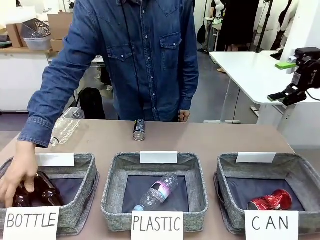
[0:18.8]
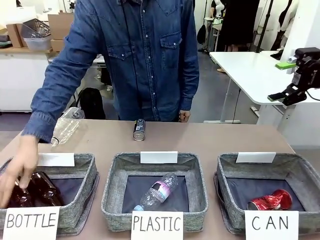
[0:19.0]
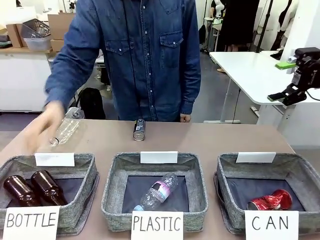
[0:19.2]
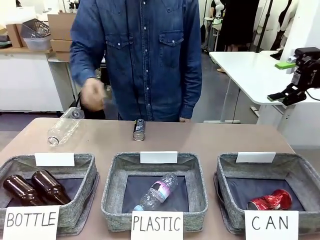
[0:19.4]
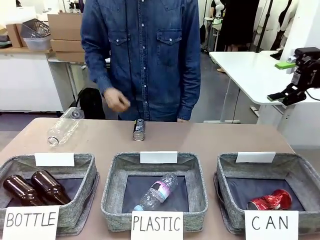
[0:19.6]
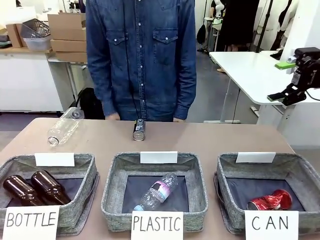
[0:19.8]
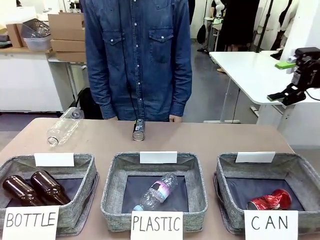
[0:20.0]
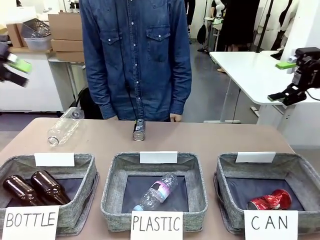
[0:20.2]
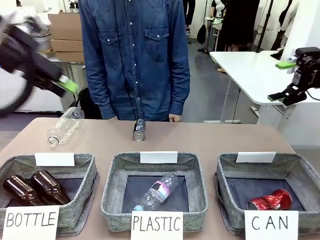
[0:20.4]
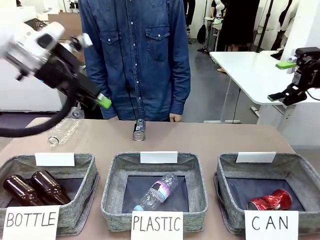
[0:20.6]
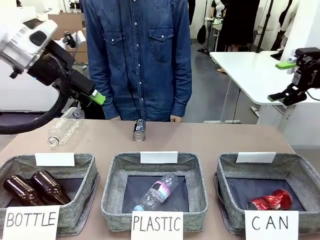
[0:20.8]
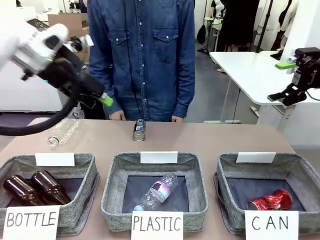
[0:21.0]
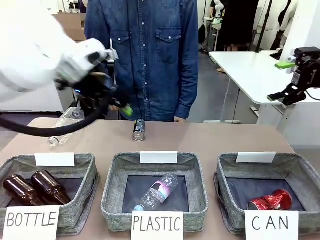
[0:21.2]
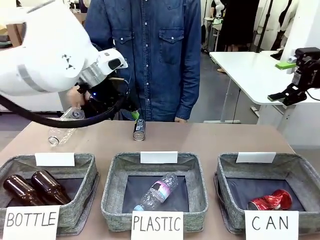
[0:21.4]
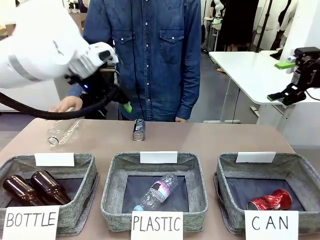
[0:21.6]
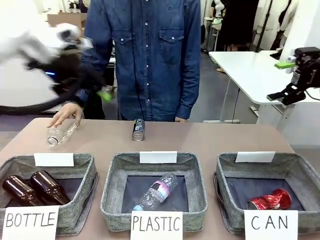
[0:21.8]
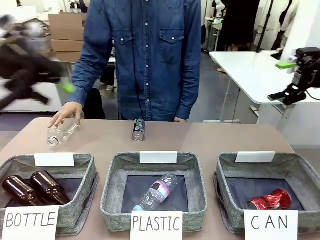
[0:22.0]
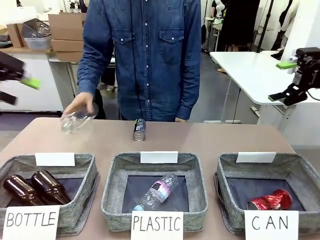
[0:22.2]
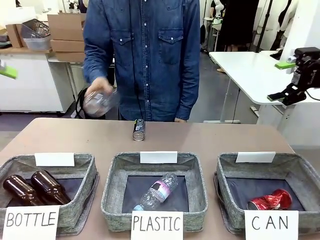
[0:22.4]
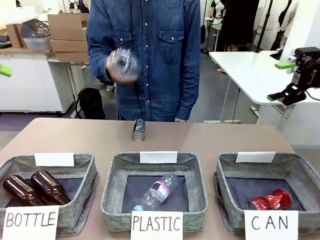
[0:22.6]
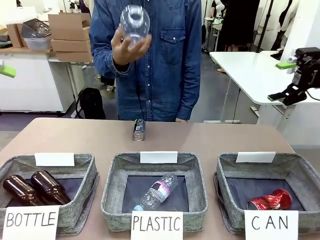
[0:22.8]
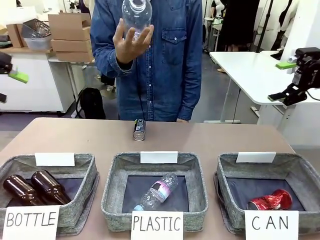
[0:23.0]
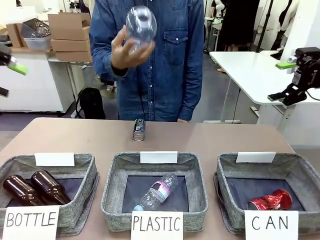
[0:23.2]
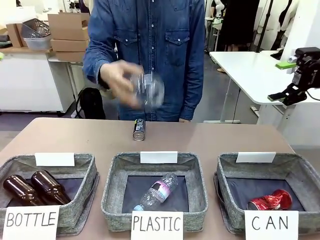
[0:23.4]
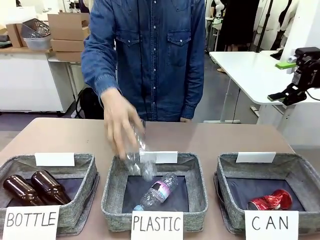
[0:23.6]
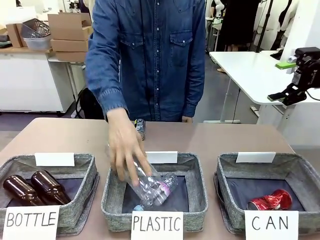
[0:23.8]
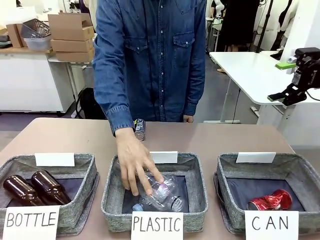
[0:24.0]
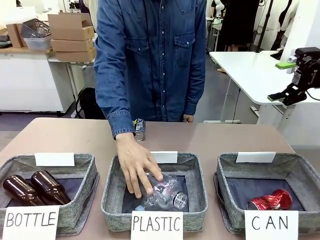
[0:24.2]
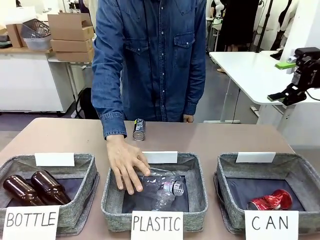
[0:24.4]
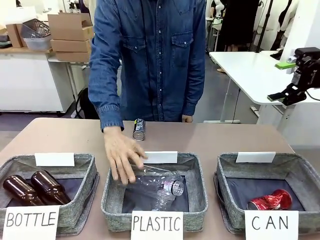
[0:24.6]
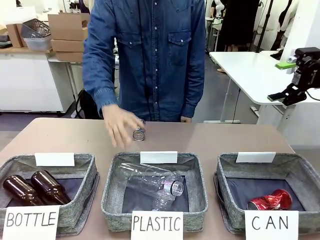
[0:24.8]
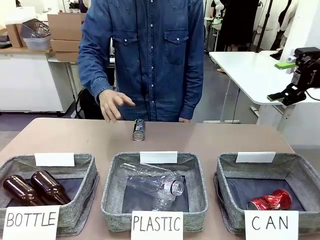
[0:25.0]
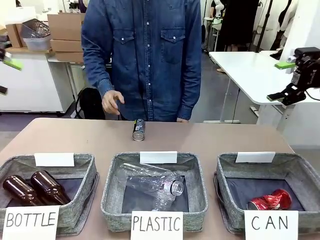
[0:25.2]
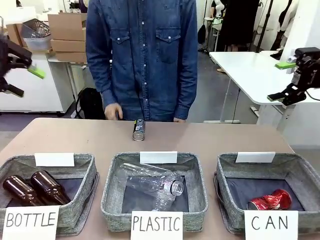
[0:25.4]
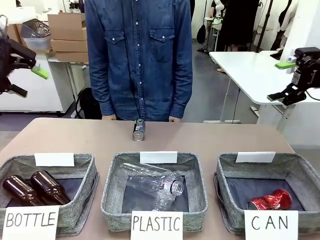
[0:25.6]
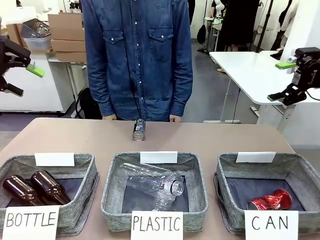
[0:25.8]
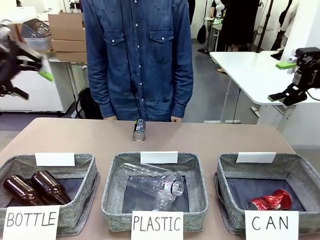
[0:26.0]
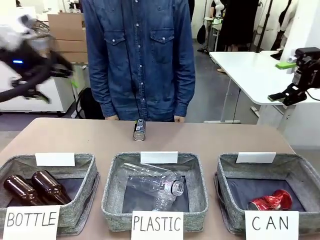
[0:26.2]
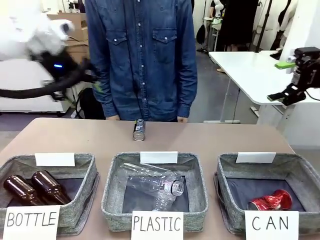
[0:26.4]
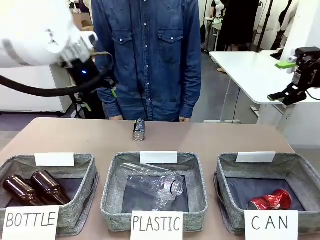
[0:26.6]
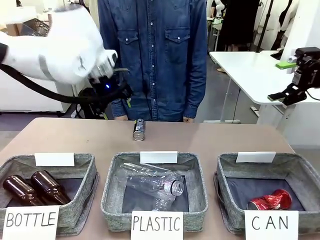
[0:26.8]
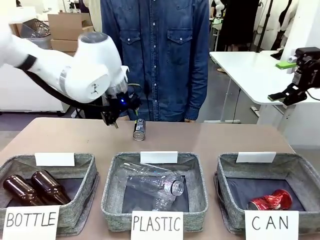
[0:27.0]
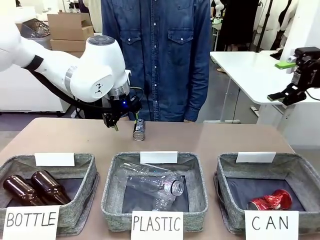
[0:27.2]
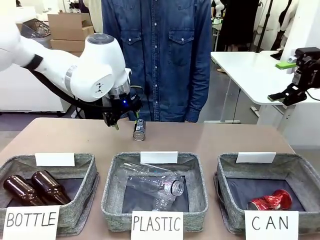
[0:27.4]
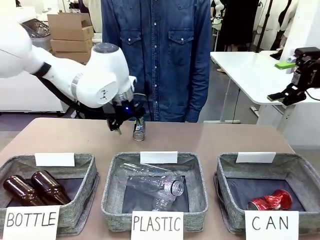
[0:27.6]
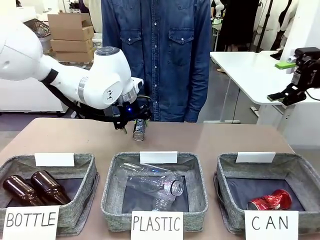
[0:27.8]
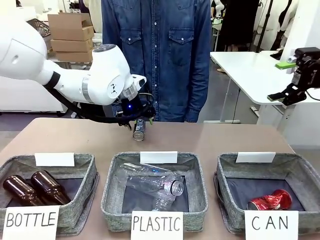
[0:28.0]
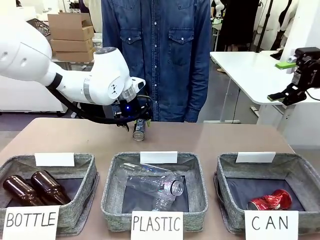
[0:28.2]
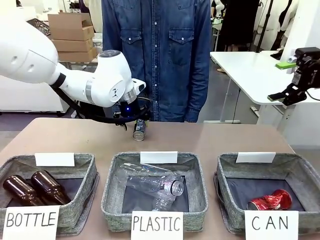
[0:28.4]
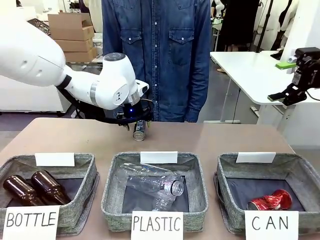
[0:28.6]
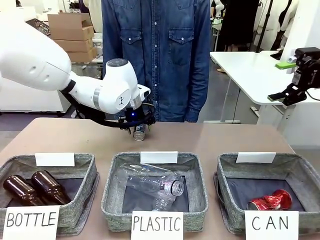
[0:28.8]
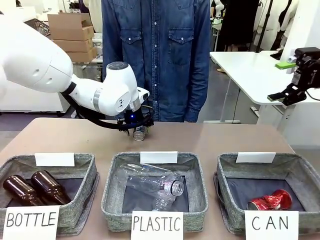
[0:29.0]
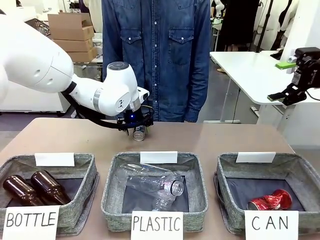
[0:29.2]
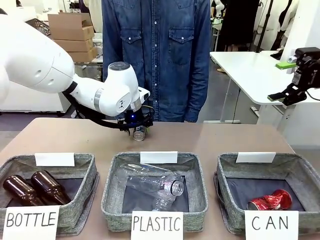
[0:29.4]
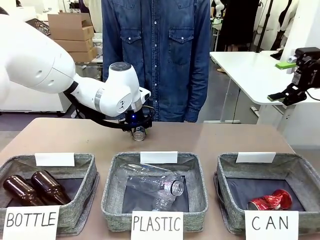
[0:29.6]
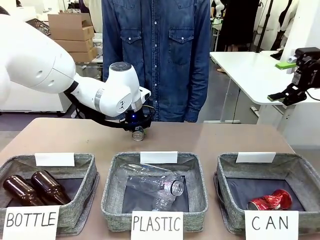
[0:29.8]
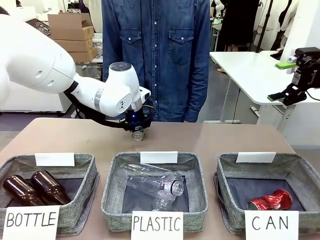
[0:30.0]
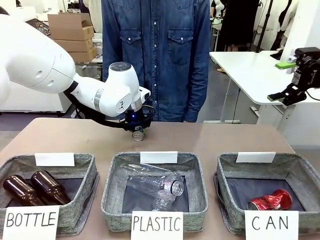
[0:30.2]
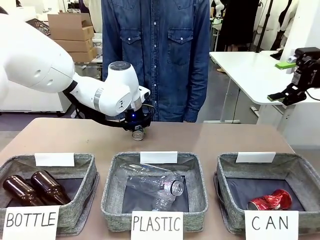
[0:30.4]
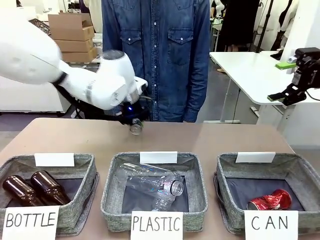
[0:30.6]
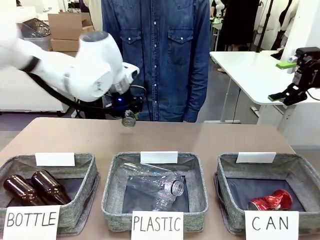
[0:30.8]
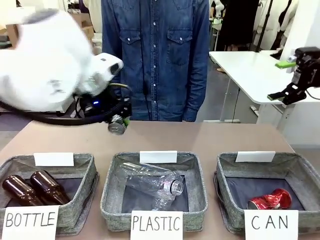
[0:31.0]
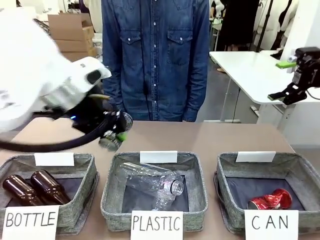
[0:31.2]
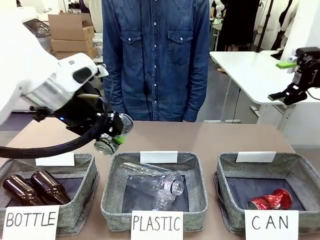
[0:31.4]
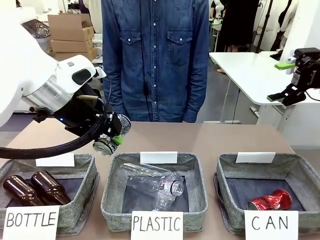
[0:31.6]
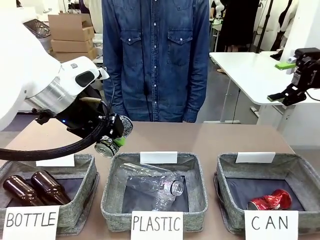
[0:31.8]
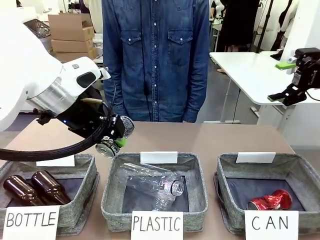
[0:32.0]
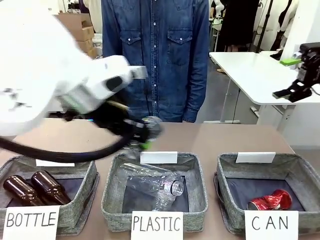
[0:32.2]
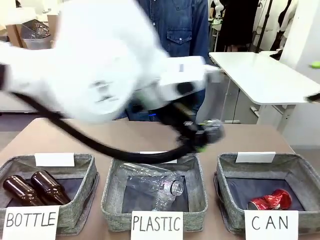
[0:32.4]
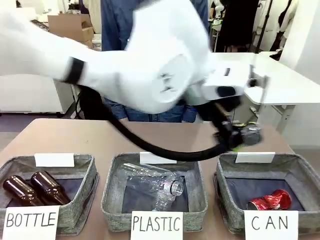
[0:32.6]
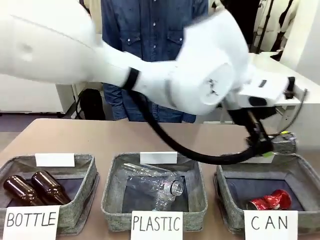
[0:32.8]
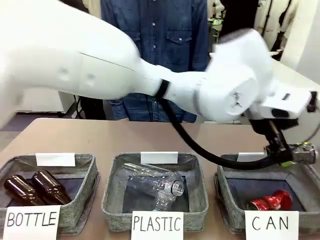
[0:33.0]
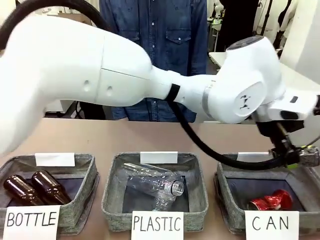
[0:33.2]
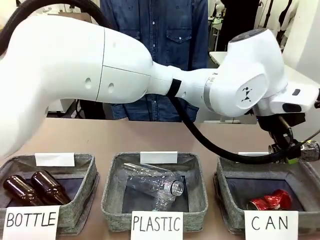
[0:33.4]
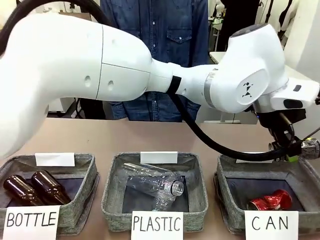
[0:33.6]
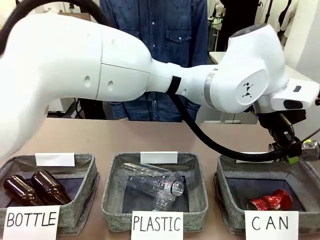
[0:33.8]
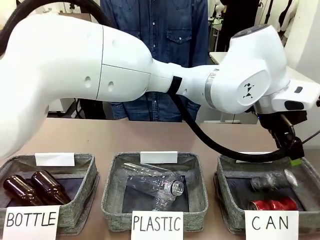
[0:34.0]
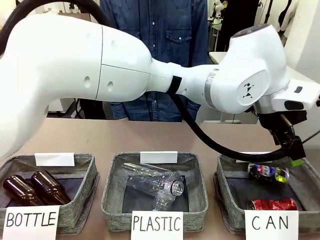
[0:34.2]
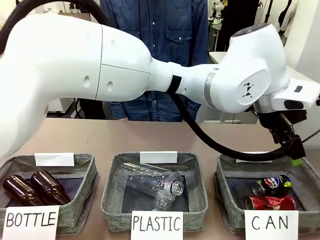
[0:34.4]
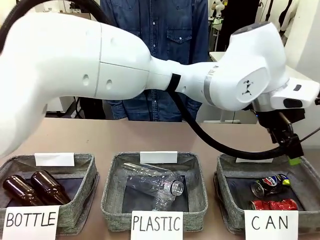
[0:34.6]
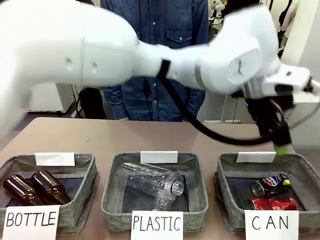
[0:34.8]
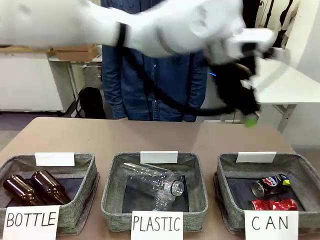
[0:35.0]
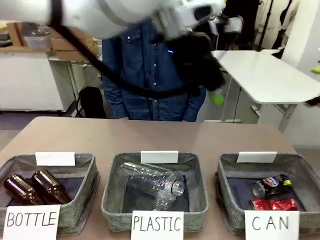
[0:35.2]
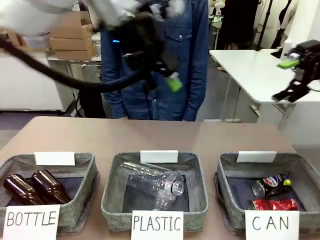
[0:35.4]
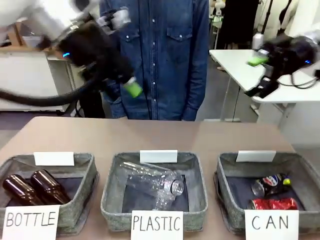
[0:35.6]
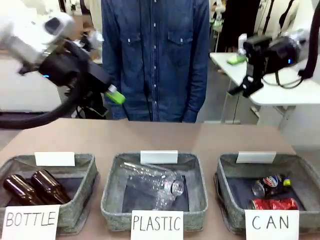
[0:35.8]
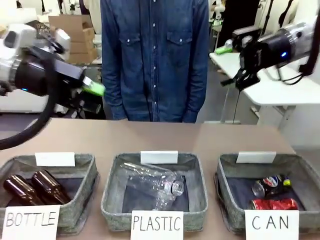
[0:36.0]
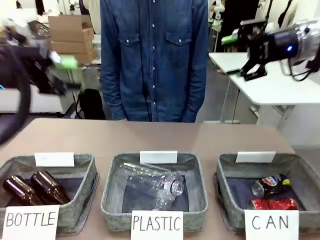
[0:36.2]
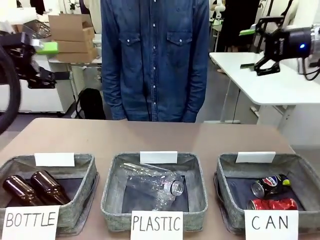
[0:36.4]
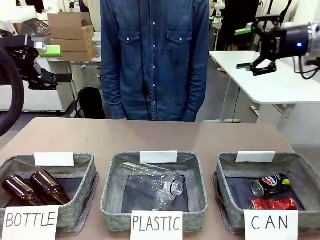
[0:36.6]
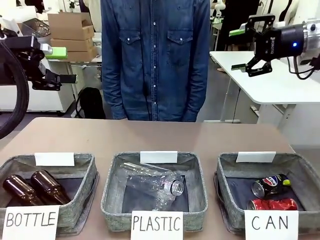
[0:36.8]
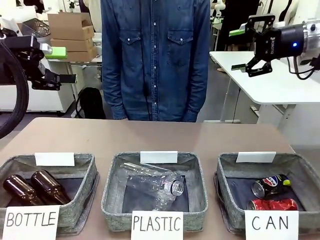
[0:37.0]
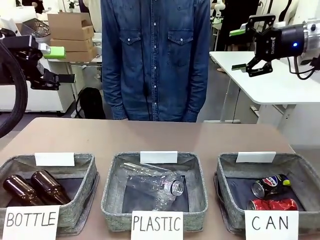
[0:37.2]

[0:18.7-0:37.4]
Task: Sort the can waste into the basket.
Robot: Pick up the can waste from the table and place it in the right Fabric basket.
